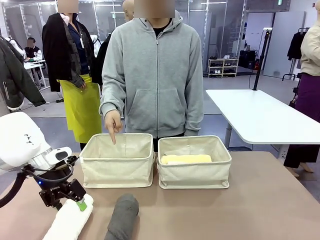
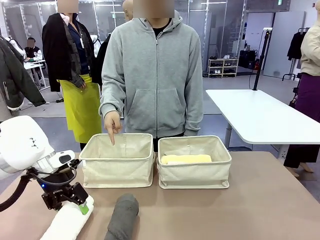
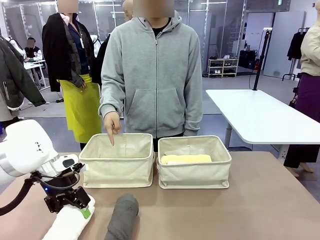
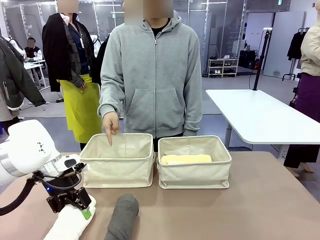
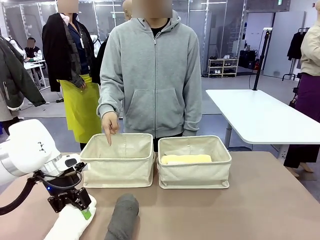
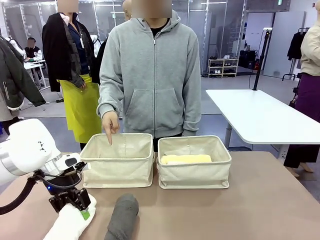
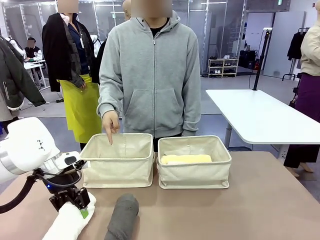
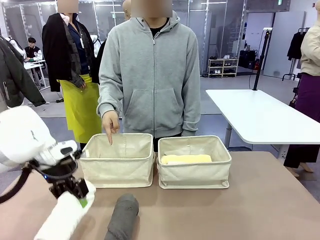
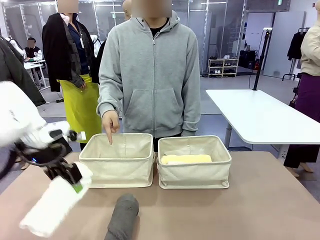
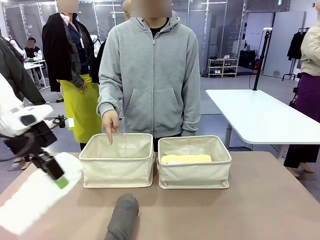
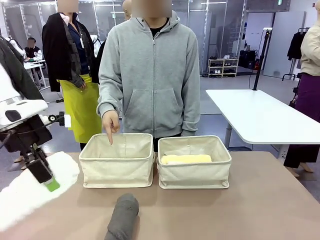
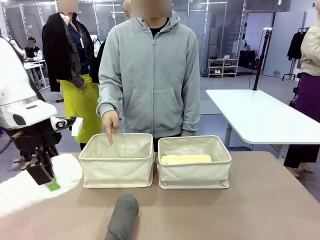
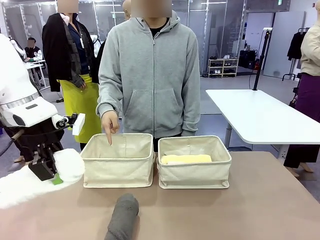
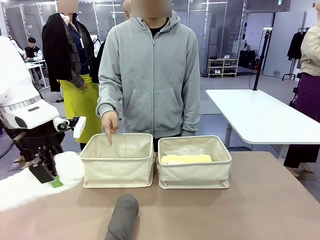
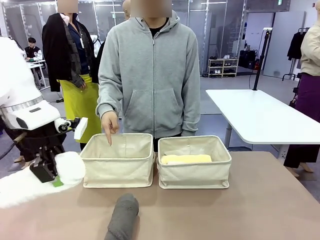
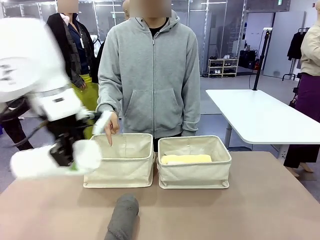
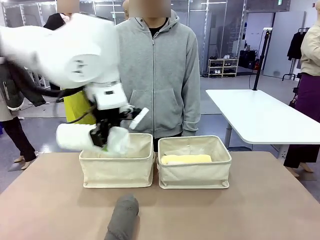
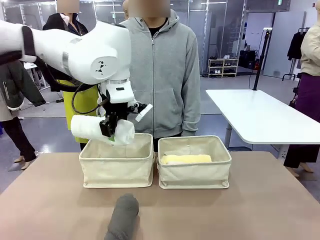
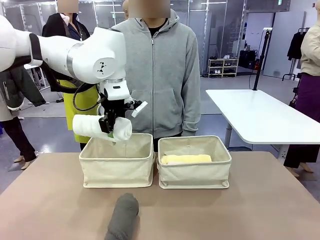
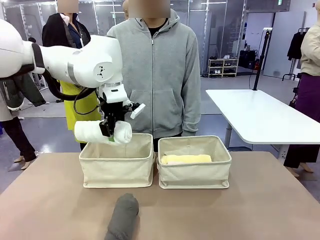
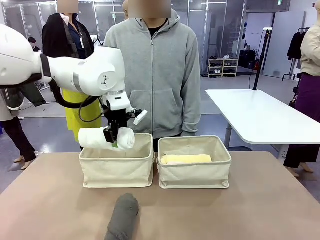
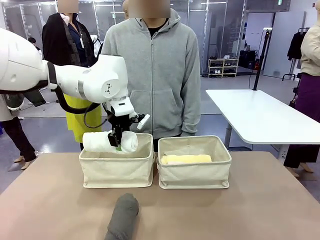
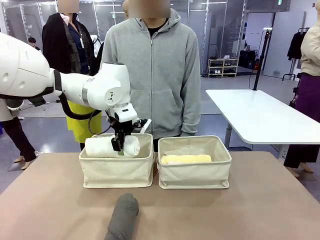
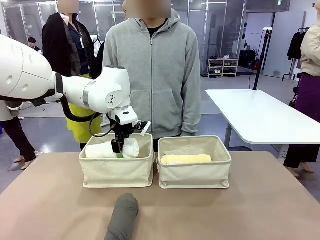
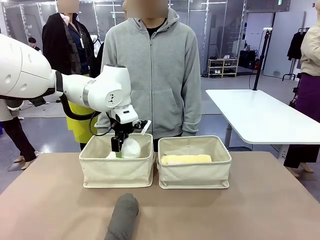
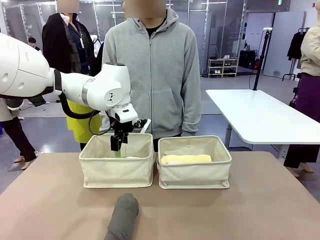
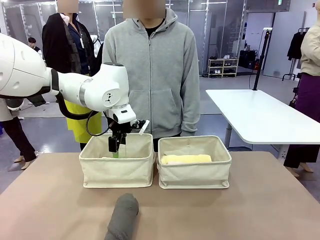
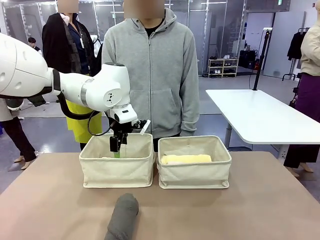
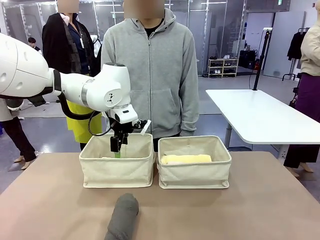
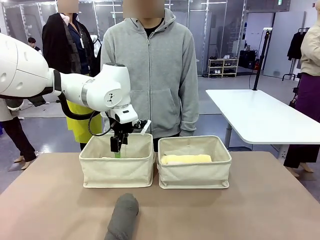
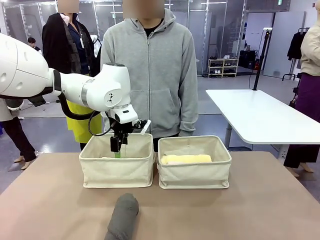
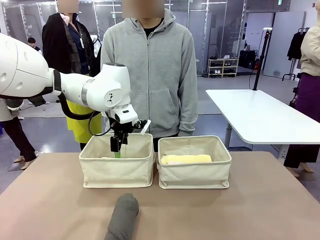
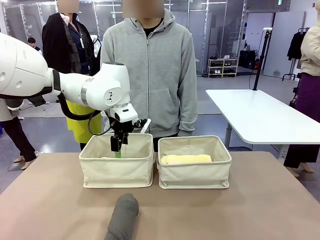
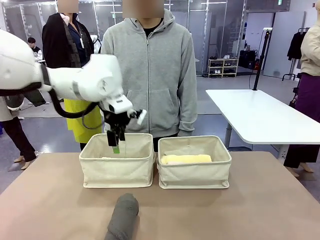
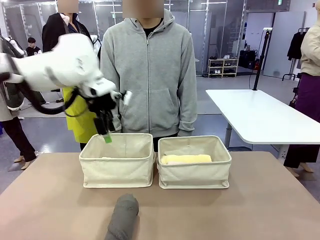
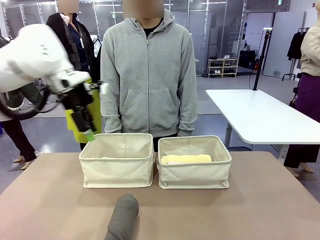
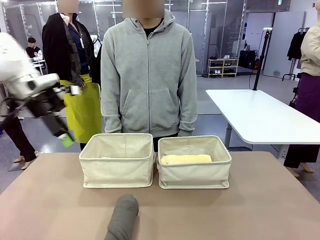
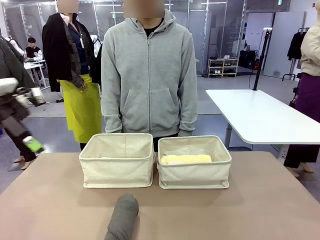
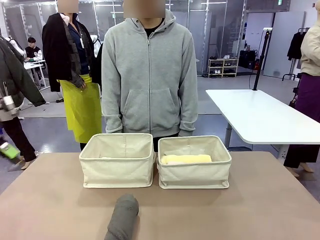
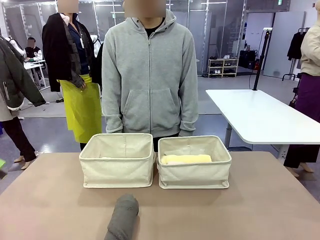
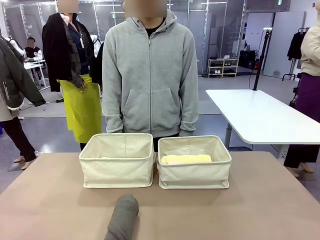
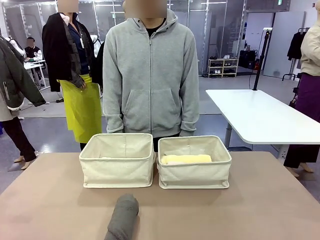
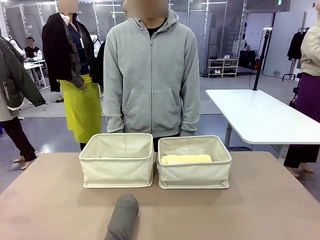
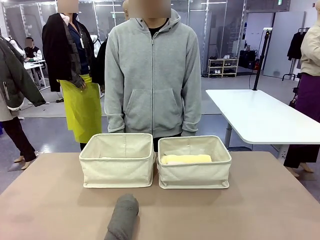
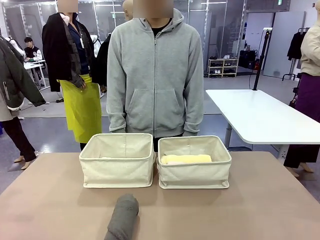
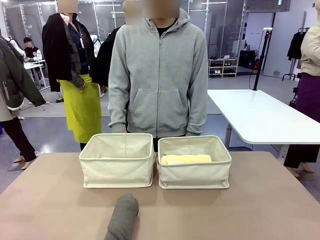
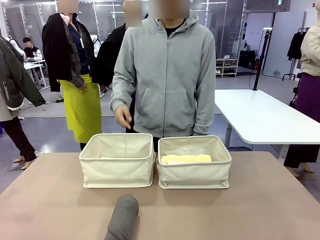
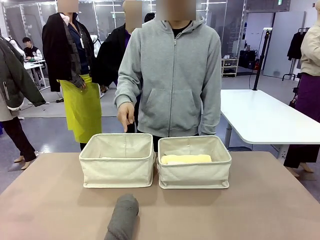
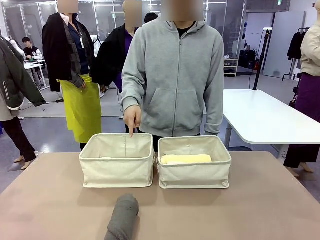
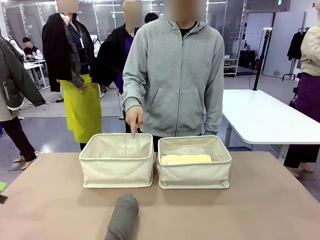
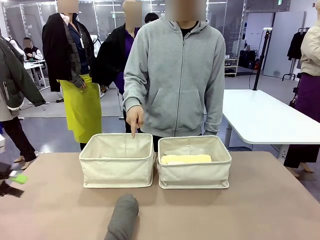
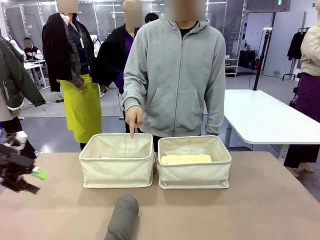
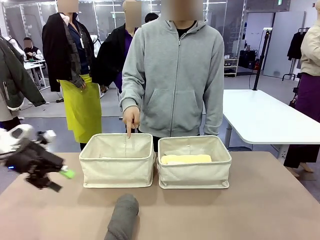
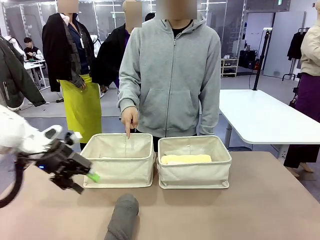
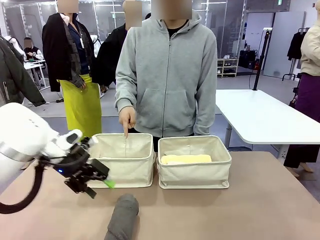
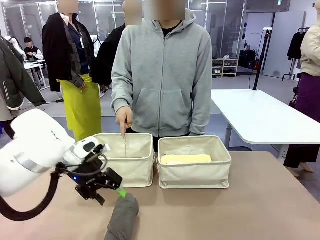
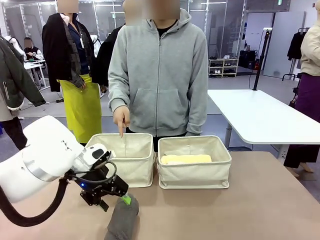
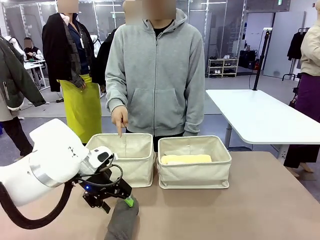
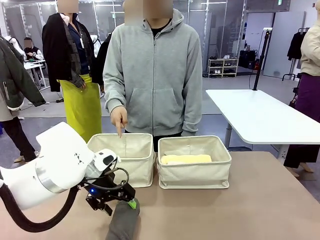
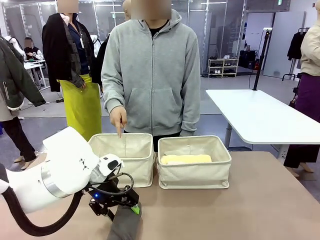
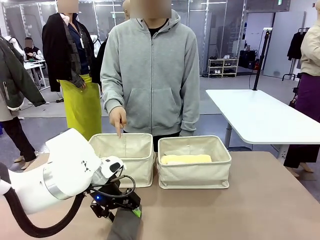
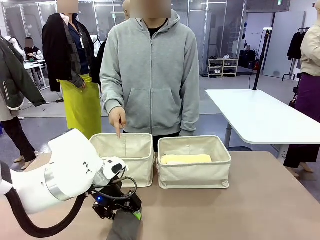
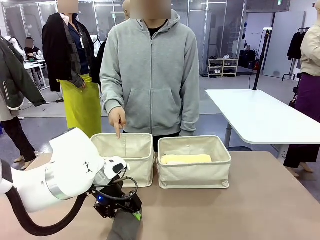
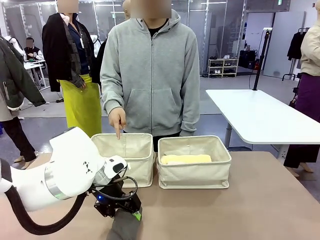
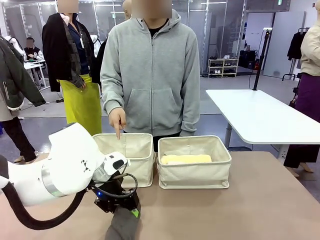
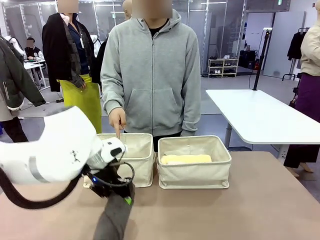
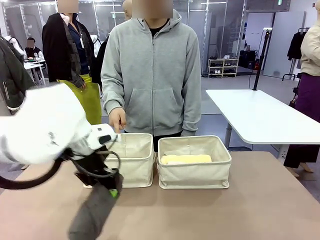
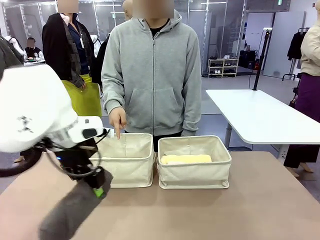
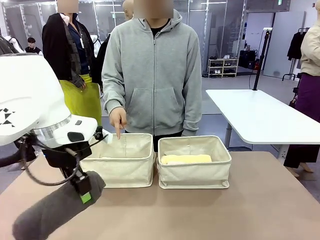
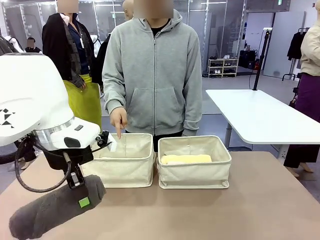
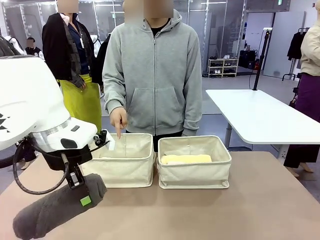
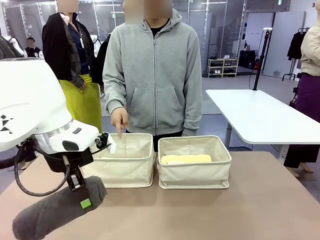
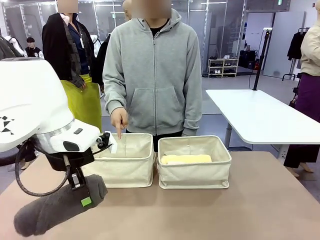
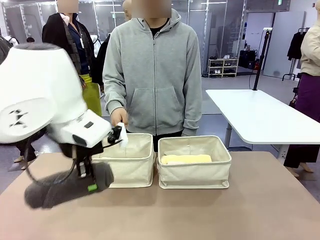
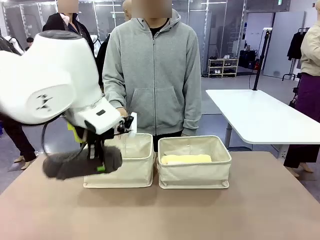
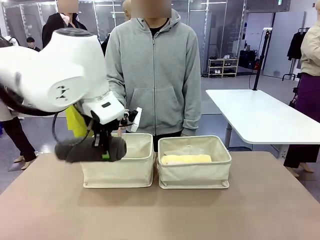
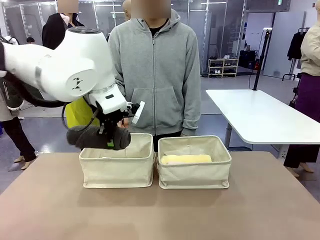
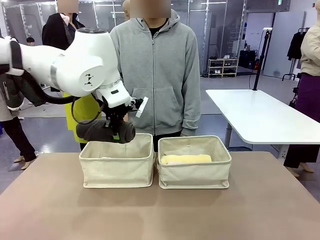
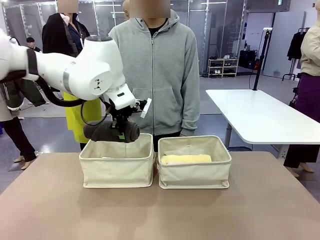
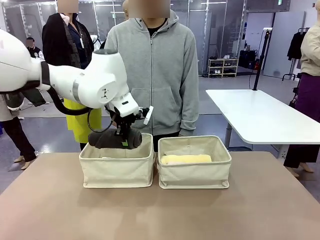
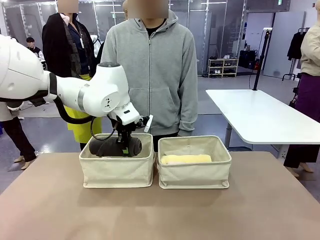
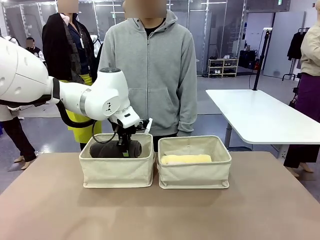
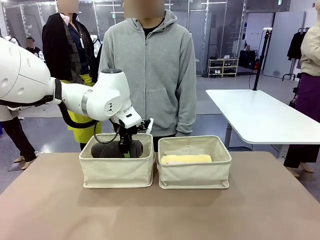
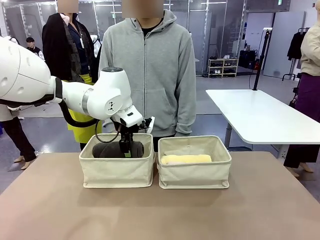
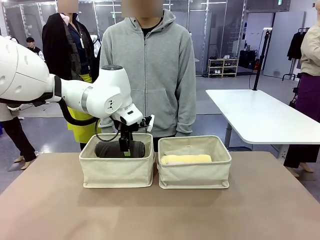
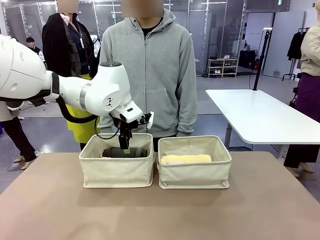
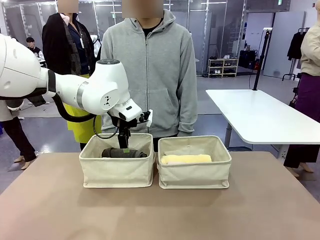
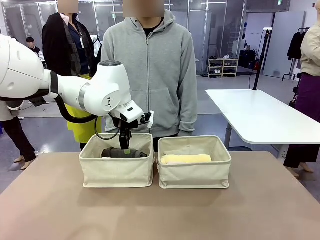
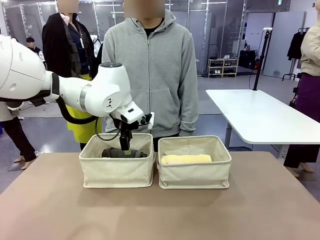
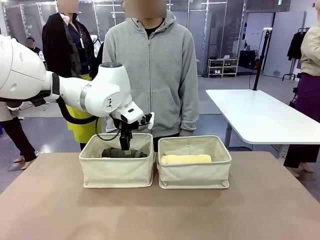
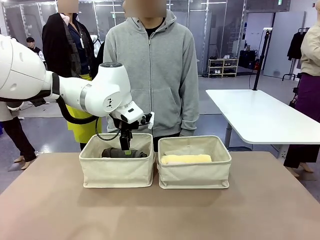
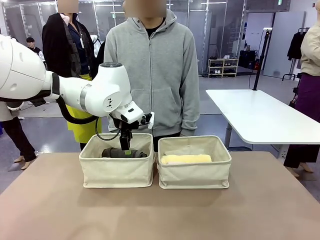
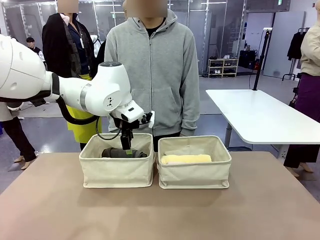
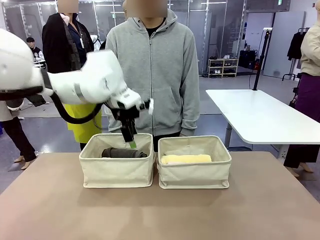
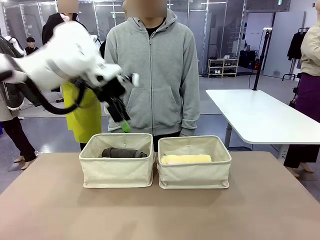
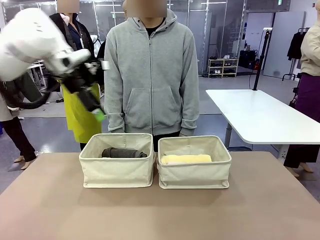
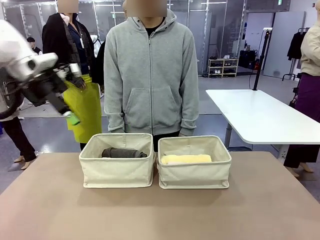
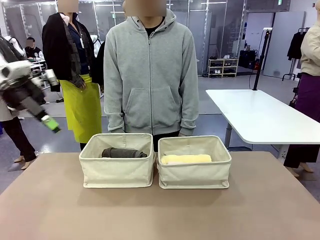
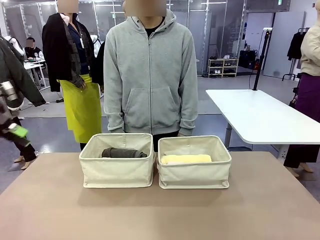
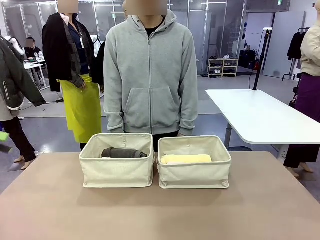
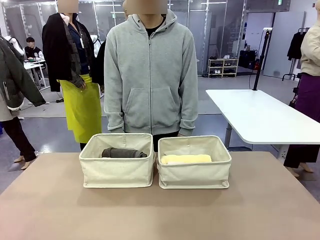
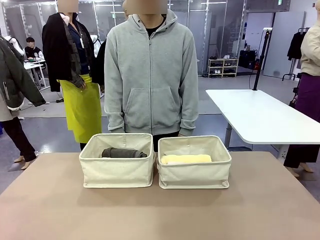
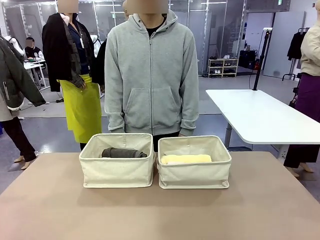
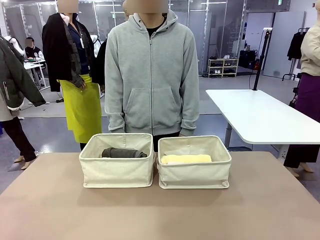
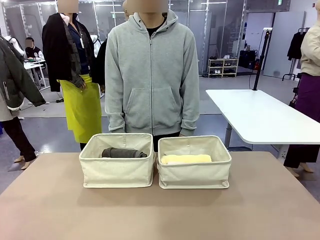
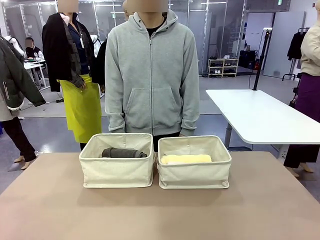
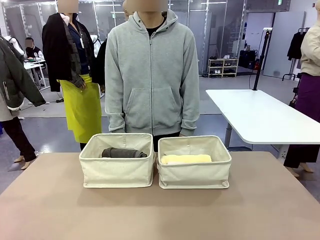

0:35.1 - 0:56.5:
Task: Divide the towels into two baskets.
Robot: Pick up one hotel-folded towel from the bottom of the table and place it in the Fabric basket indicated by the person.
